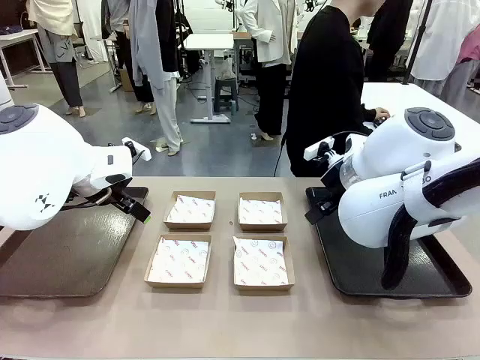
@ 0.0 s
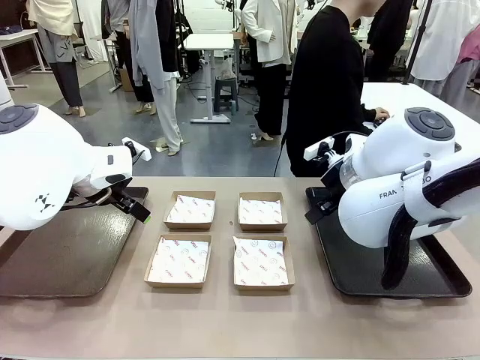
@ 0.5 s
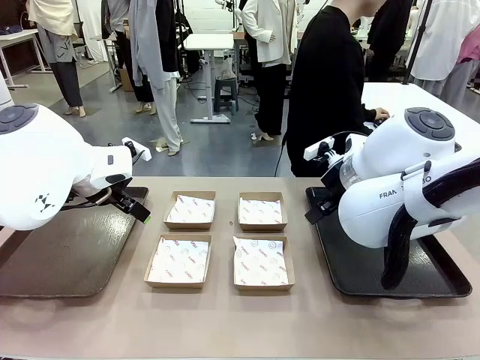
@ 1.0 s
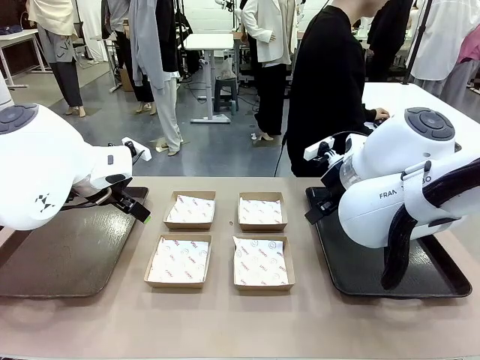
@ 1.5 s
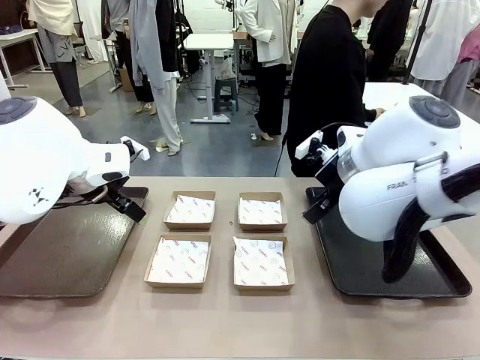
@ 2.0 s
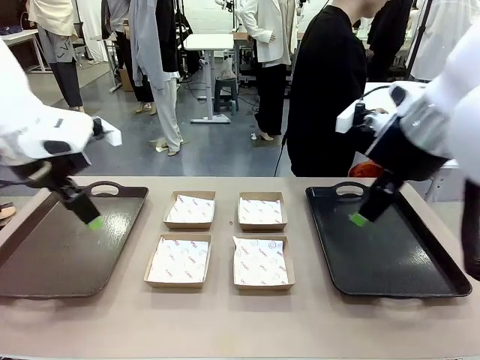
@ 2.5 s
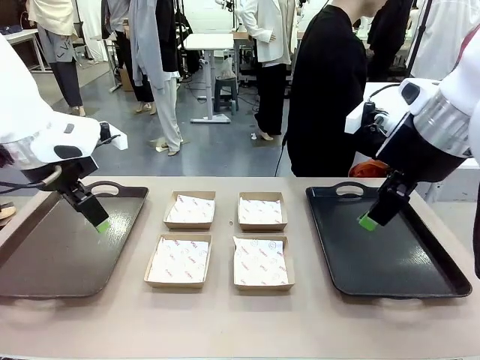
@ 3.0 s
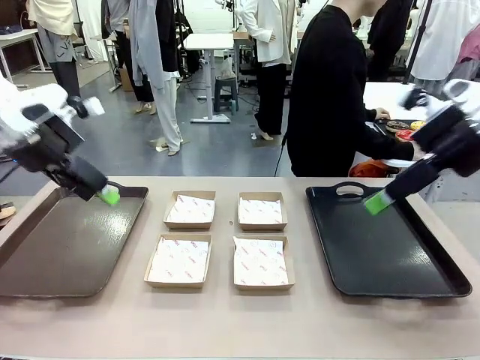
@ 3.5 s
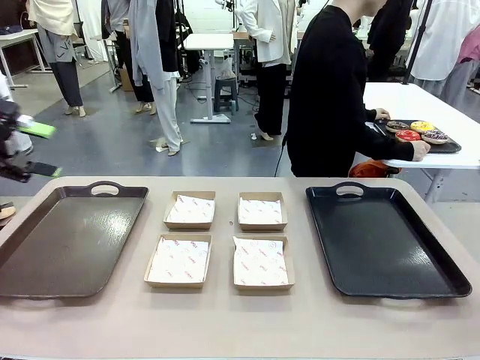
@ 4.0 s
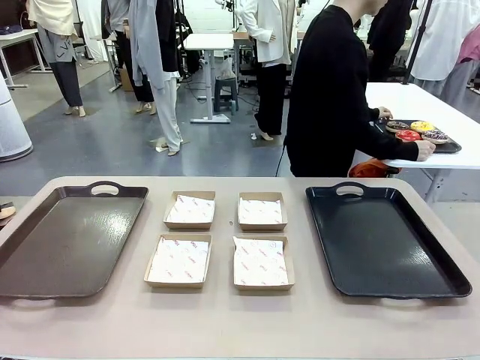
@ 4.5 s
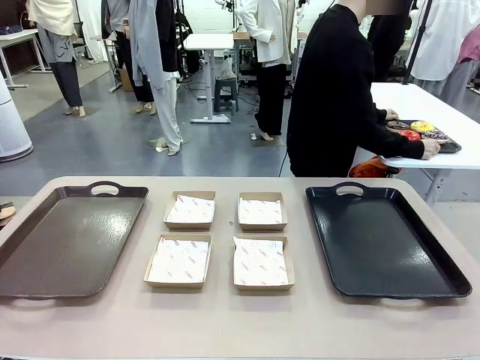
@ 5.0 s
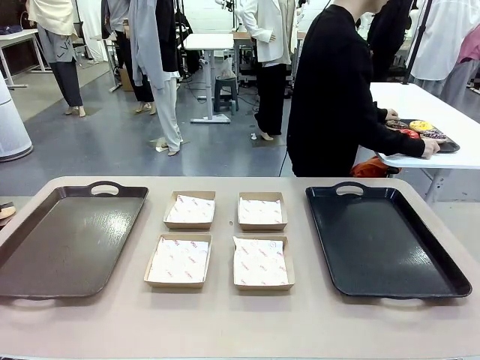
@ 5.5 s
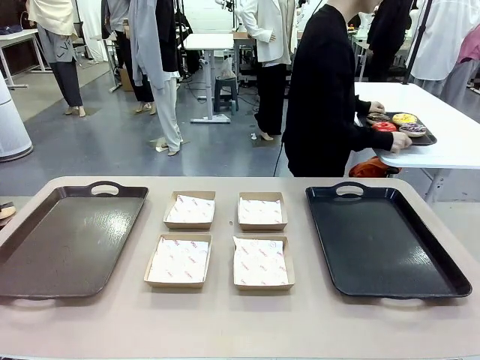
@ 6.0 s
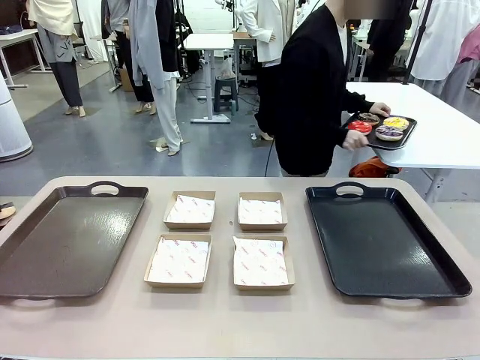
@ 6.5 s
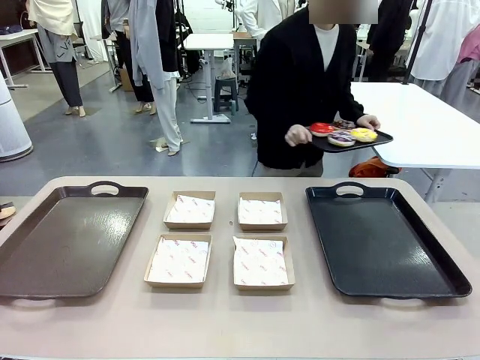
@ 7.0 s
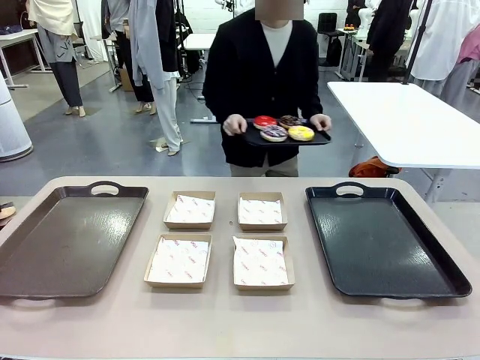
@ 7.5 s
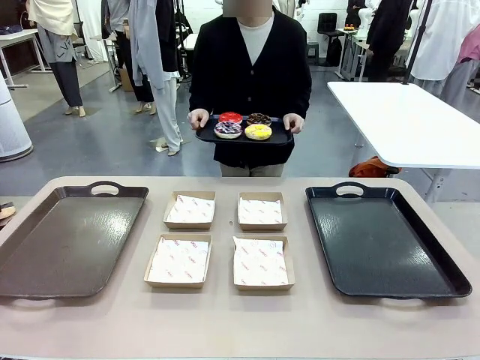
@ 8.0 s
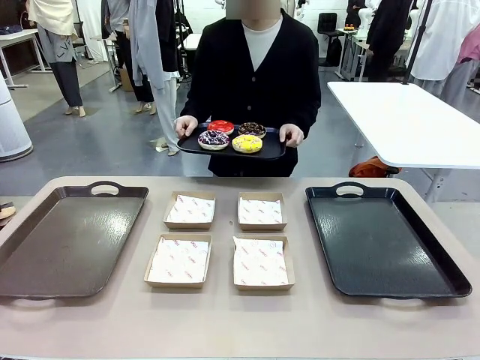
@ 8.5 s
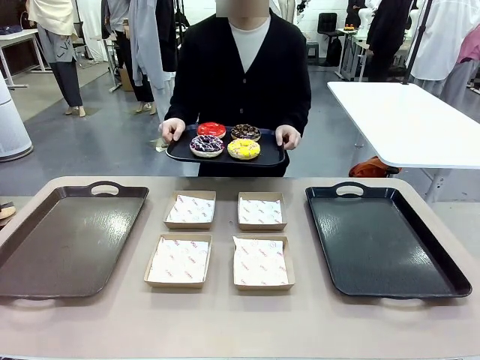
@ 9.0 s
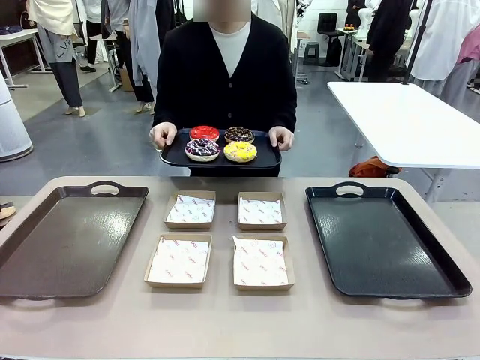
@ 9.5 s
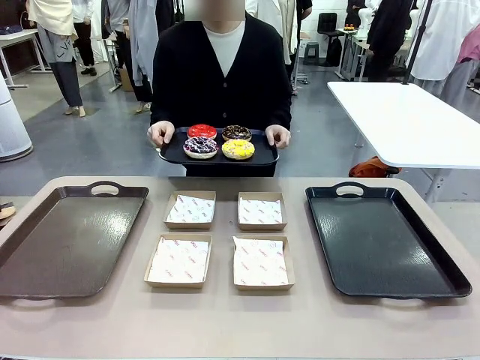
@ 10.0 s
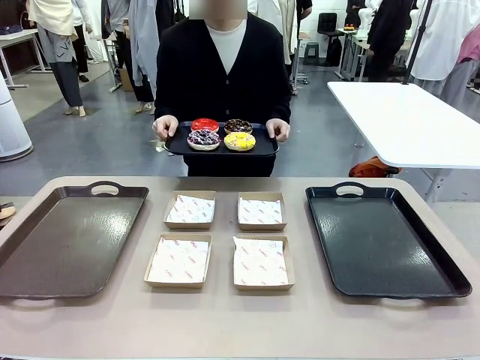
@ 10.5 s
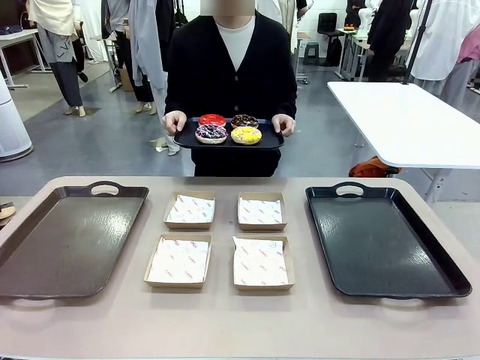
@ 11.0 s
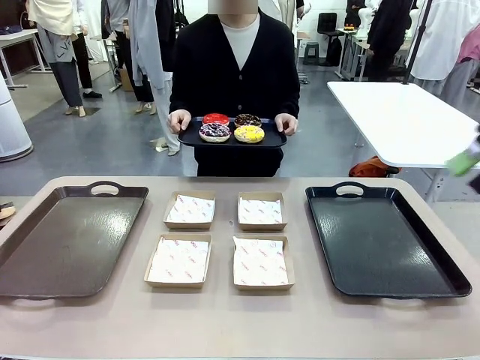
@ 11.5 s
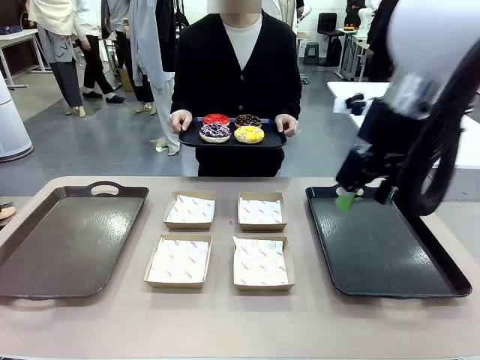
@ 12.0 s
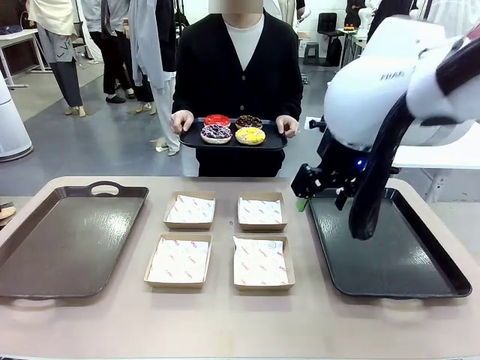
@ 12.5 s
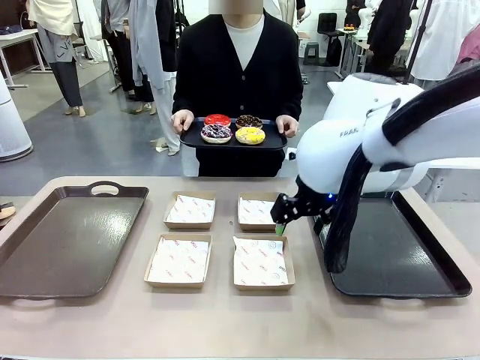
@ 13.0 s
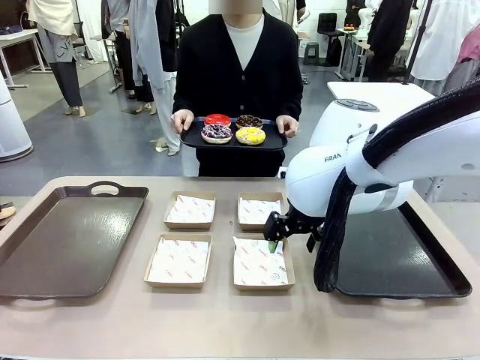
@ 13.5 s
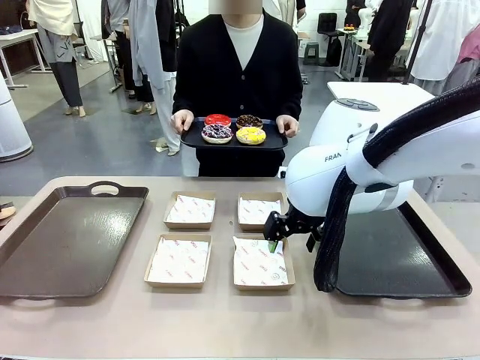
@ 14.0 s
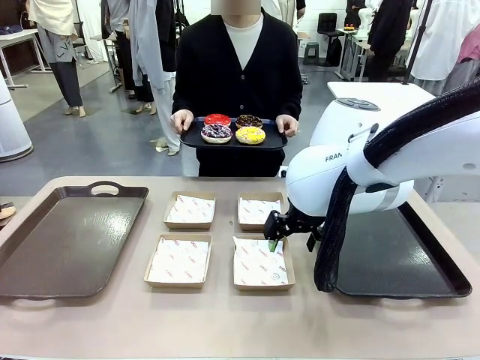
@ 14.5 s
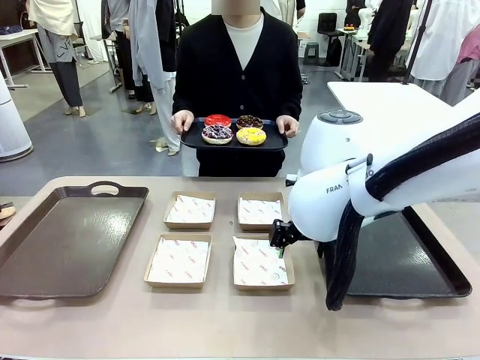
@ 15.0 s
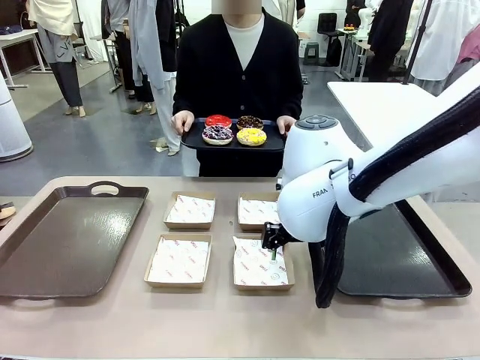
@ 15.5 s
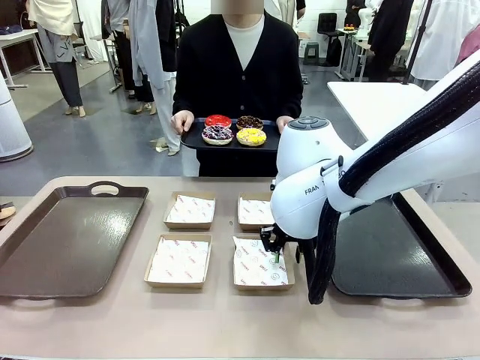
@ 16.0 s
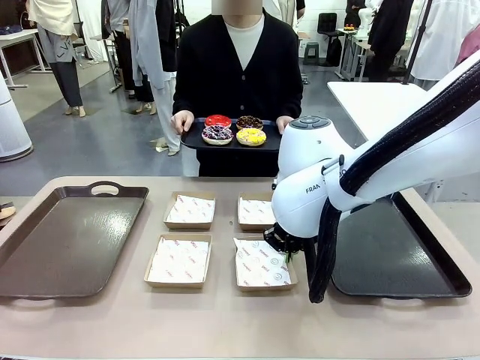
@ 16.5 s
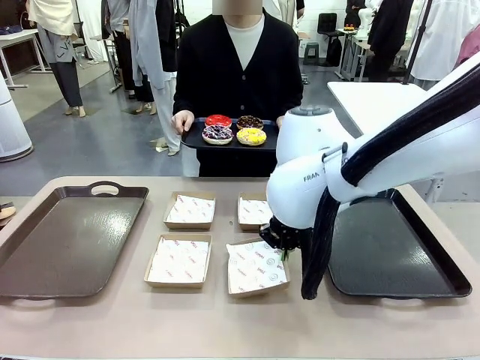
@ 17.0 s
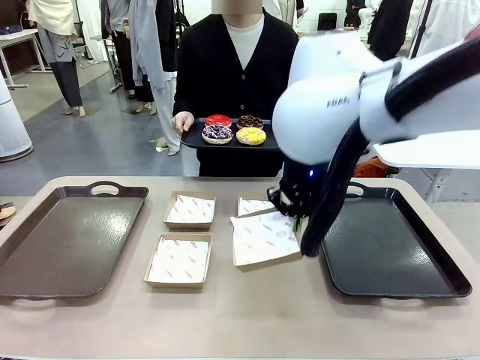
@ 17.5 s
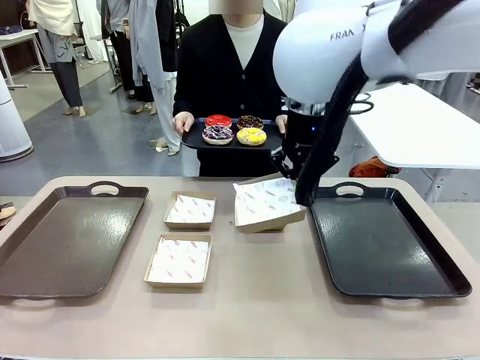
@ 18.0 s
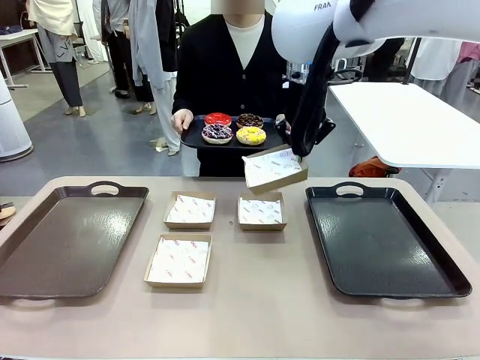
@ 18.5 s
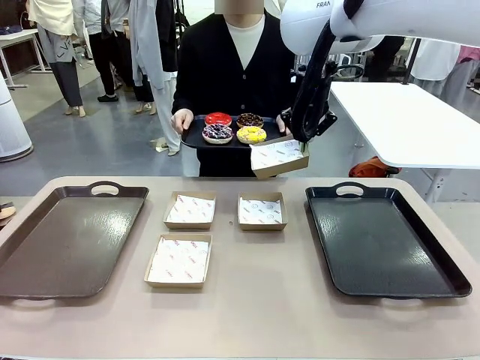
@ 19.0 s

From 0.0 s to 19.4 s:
Task: Individually package the donuts and arrange them on the tray.
Robot: Pick up one Paper togo box.
Person: Stand in front of the robot table holding the tray containing the donuts.

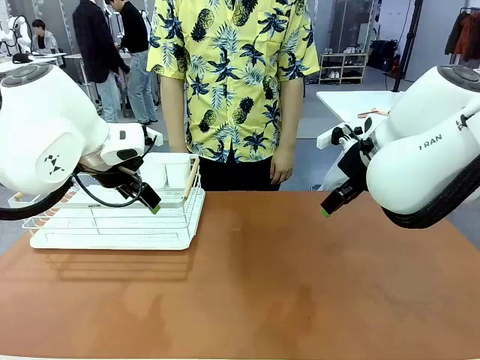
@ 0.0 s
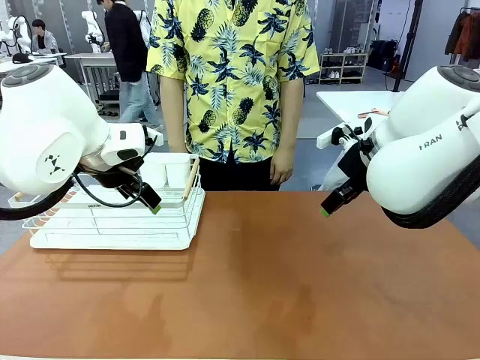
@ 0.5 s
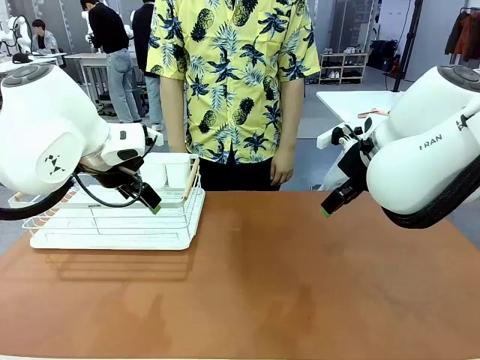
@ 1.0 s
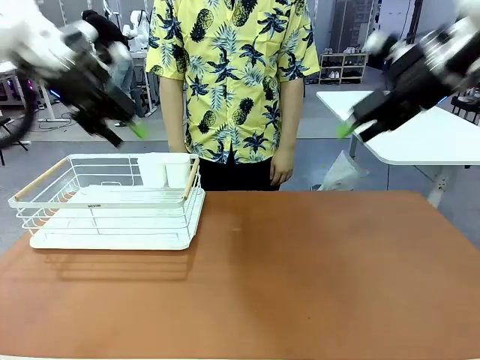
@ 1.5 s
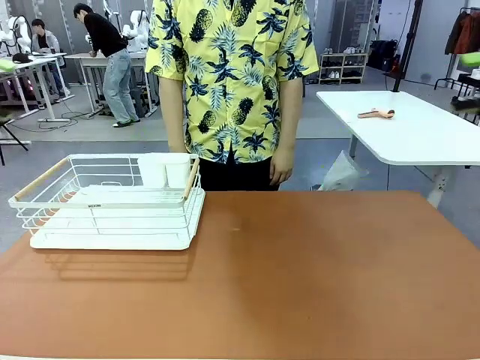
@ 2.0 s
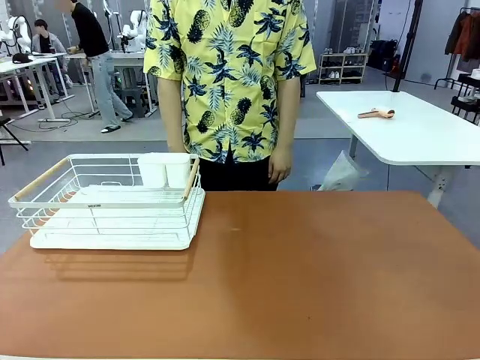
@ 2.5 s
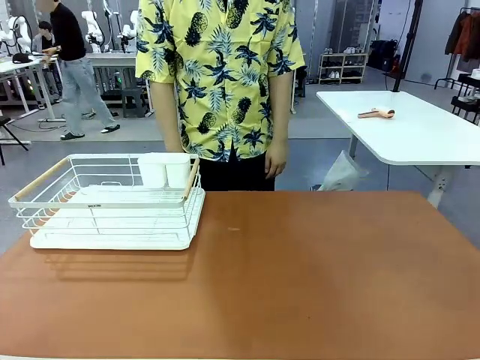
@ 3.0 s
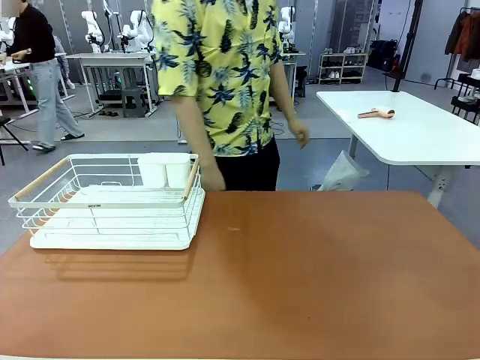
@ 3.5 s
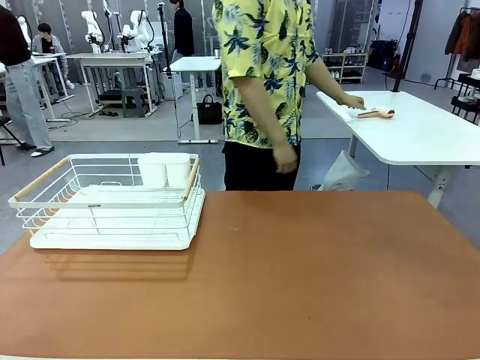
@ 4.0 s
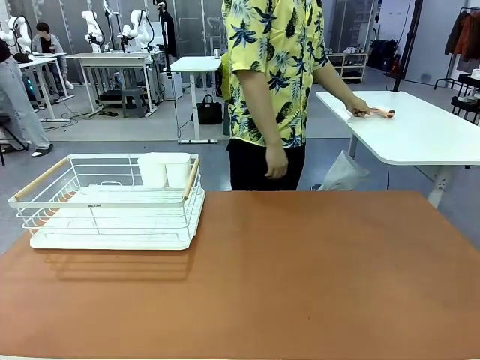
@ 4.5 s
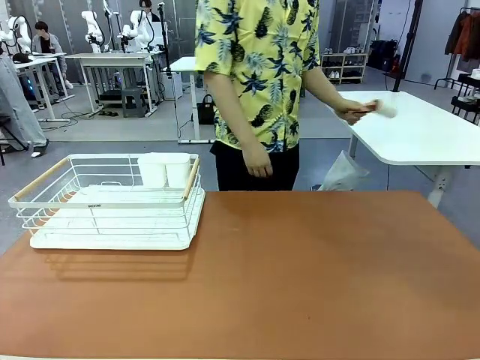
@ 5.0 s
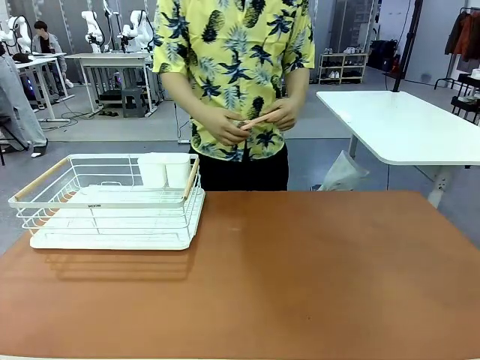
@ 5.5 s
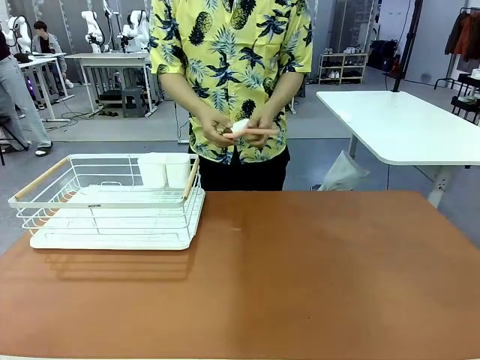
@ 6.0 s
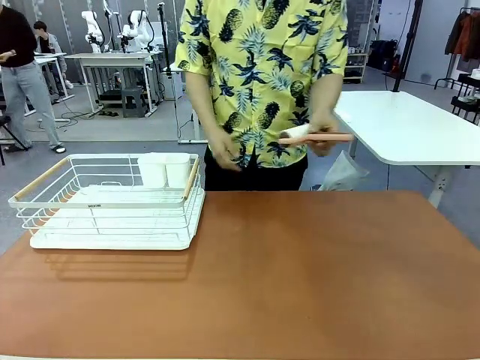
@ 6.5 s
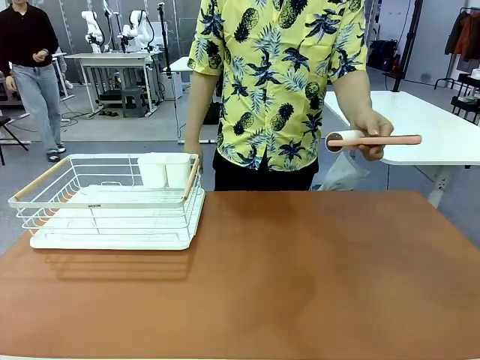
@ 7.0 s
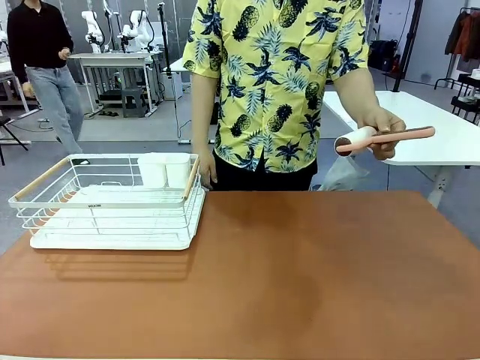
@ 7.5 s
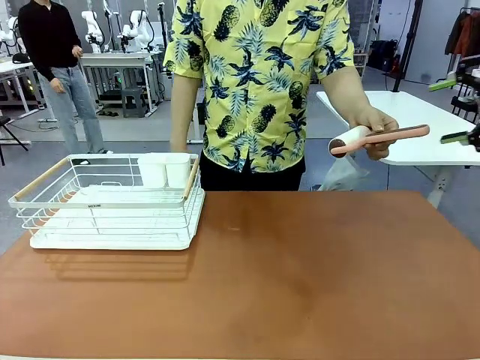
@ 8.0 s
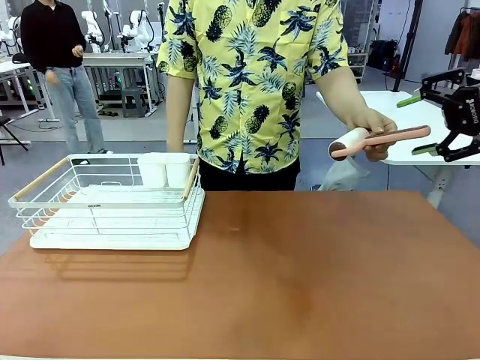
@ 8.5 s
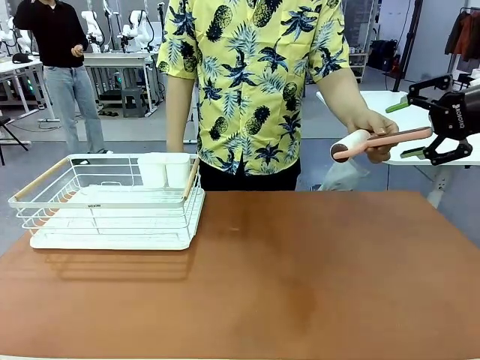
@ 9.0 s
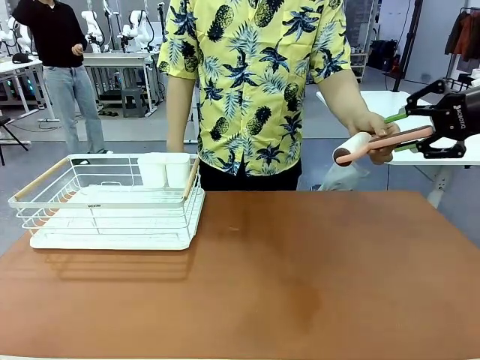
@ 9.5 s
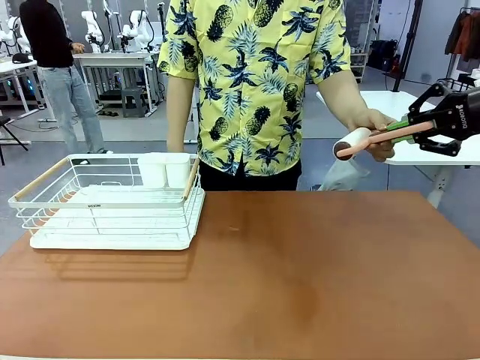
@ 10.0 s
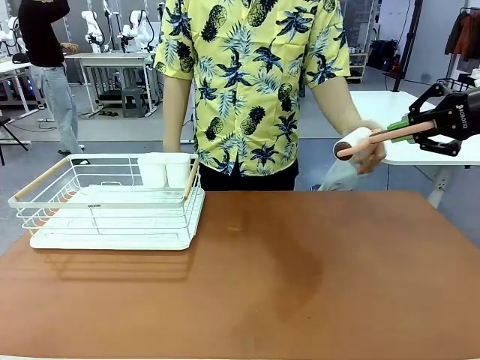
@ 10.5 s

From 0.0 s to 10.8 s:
Task: Clean the table.
Robot: Pick up the Lint Roller when the human hands it over.
Person: Hand the Lint Roller to the robot so it can easily pick it up. Lift the Dish drying rack.
